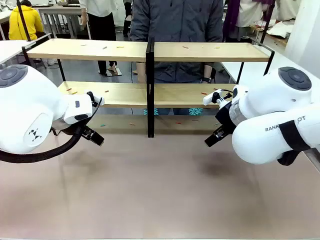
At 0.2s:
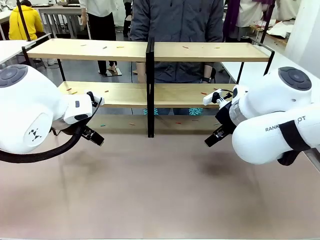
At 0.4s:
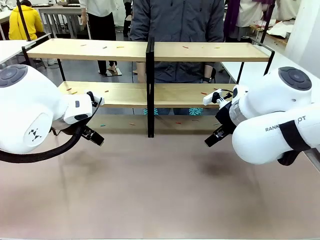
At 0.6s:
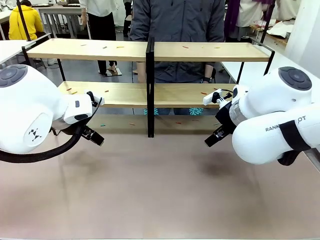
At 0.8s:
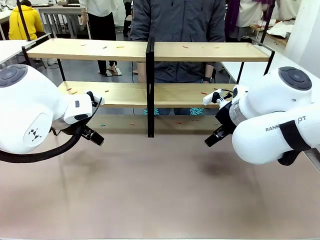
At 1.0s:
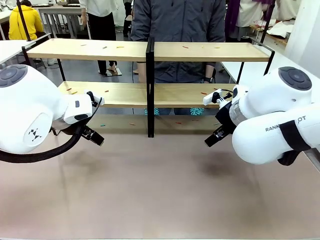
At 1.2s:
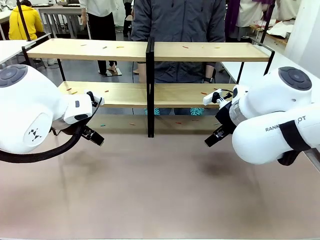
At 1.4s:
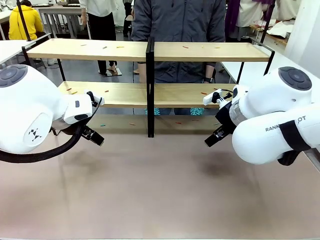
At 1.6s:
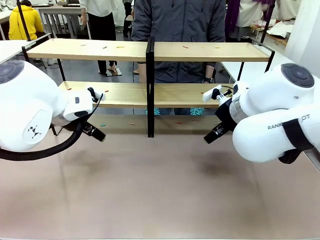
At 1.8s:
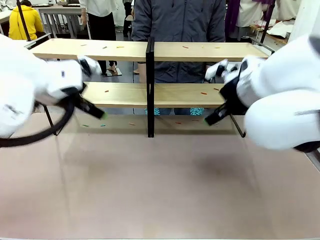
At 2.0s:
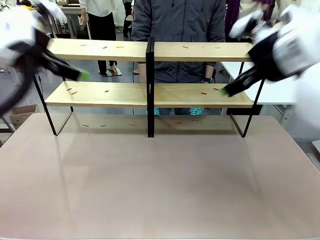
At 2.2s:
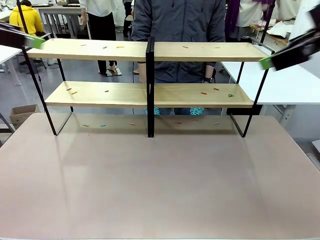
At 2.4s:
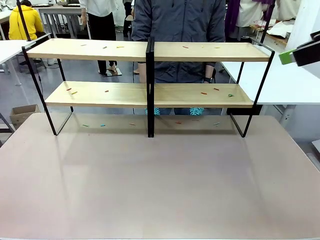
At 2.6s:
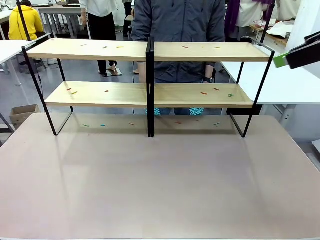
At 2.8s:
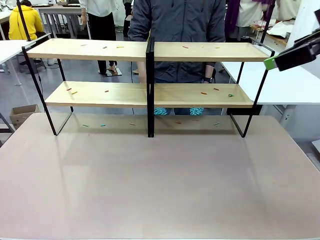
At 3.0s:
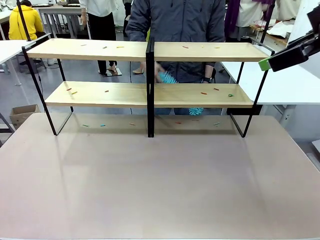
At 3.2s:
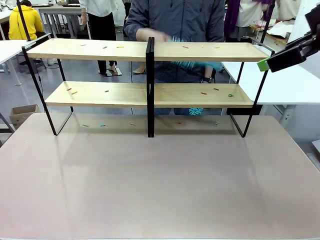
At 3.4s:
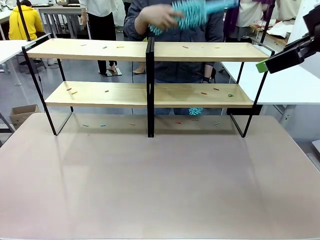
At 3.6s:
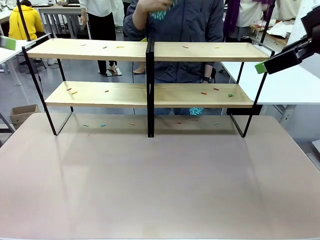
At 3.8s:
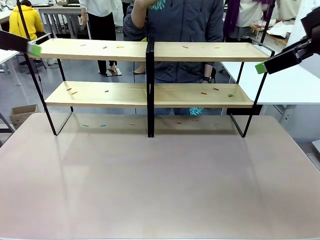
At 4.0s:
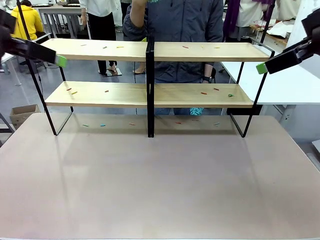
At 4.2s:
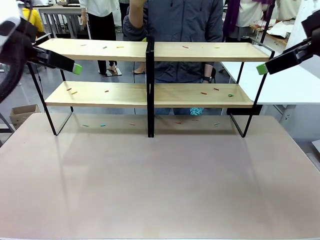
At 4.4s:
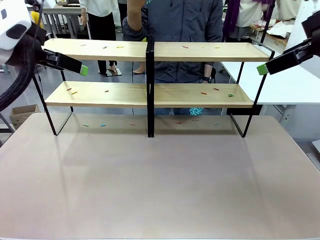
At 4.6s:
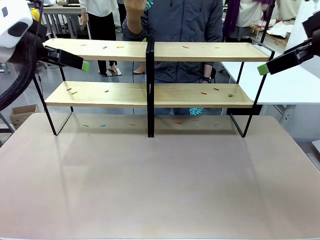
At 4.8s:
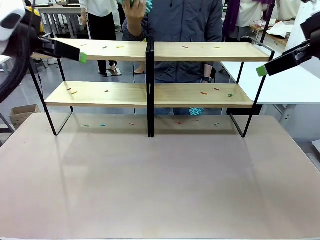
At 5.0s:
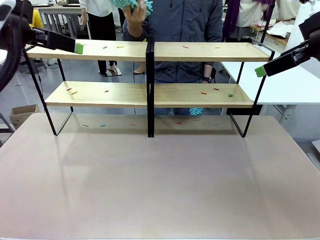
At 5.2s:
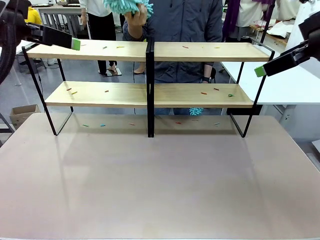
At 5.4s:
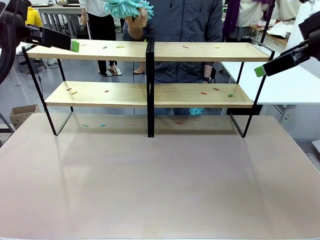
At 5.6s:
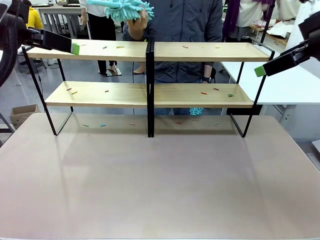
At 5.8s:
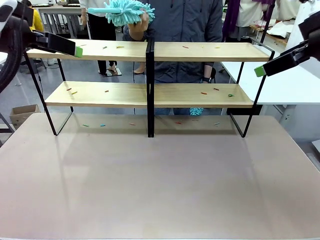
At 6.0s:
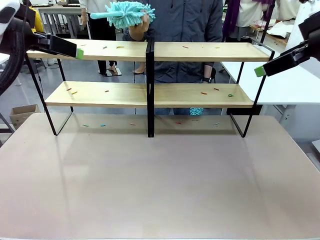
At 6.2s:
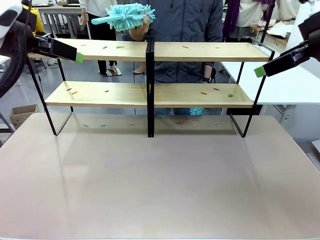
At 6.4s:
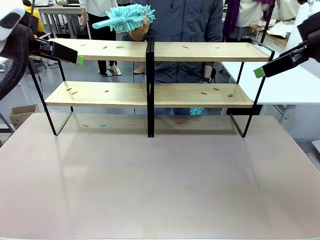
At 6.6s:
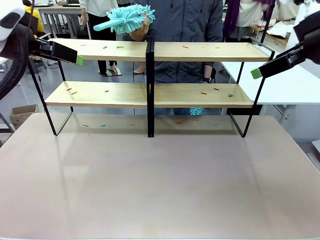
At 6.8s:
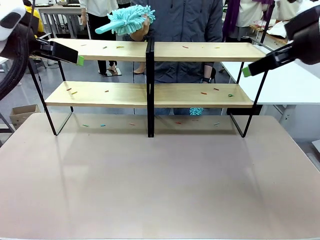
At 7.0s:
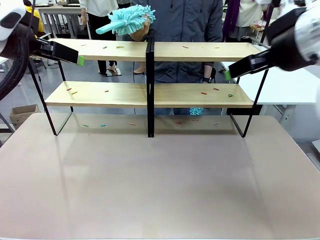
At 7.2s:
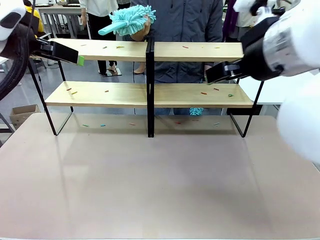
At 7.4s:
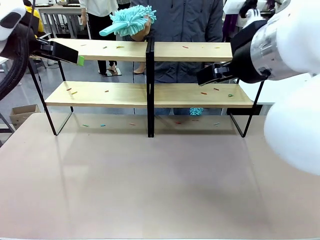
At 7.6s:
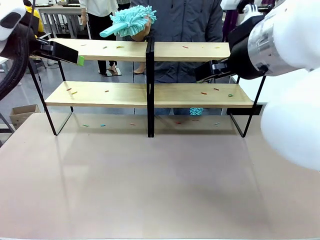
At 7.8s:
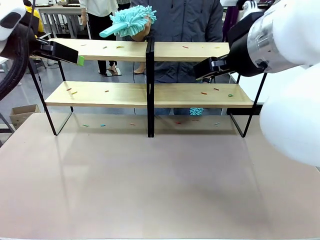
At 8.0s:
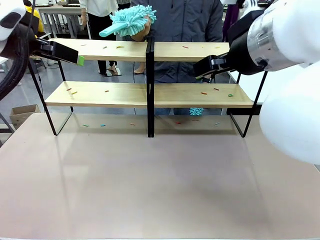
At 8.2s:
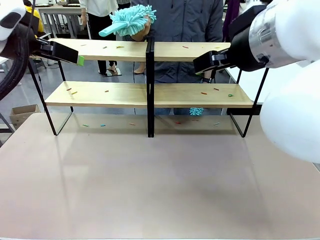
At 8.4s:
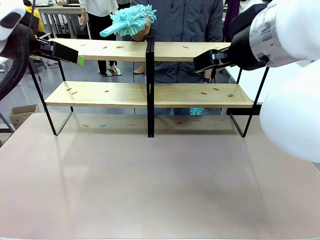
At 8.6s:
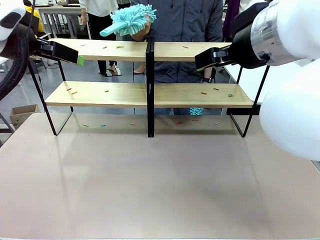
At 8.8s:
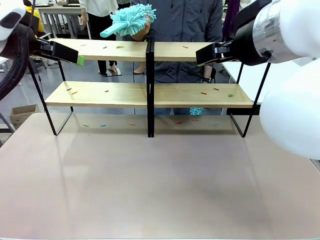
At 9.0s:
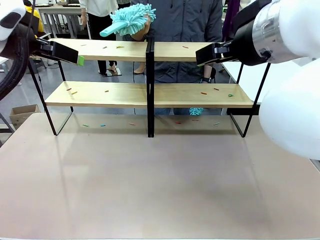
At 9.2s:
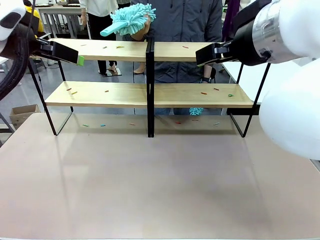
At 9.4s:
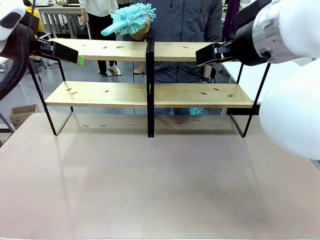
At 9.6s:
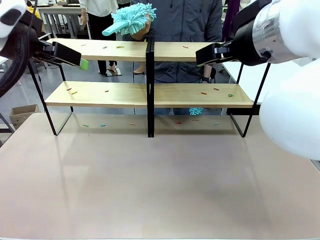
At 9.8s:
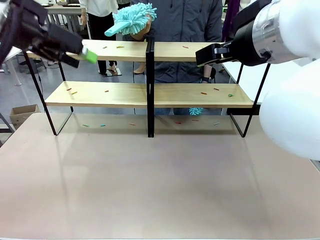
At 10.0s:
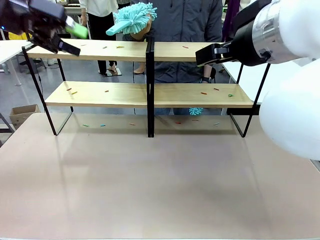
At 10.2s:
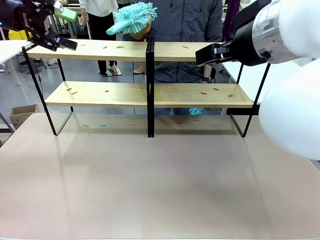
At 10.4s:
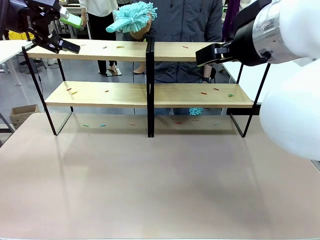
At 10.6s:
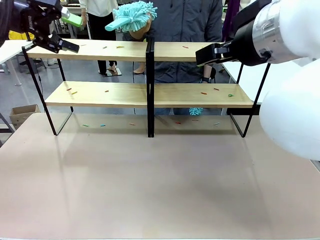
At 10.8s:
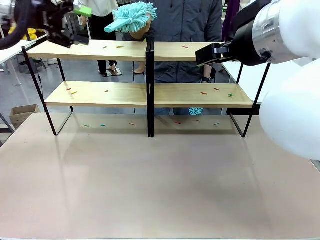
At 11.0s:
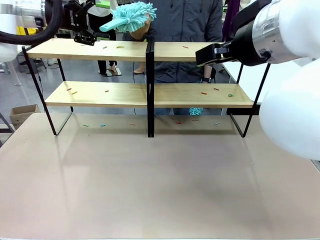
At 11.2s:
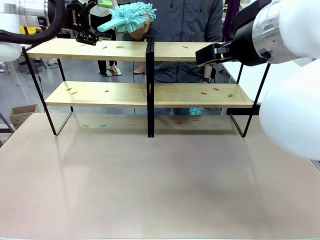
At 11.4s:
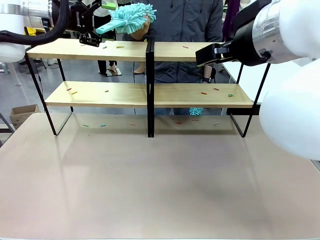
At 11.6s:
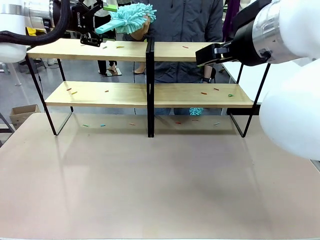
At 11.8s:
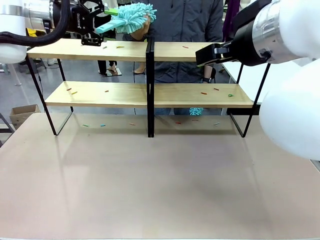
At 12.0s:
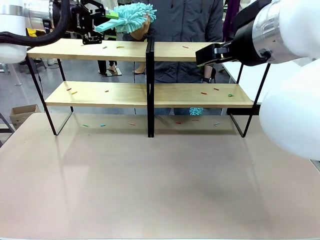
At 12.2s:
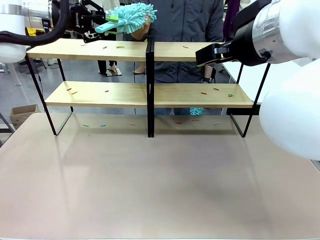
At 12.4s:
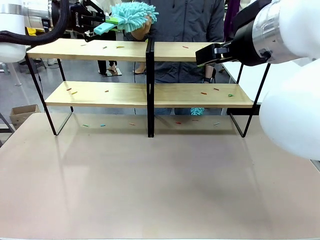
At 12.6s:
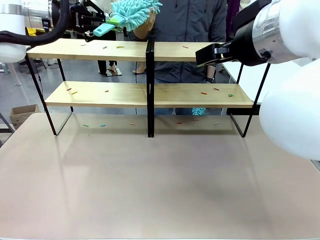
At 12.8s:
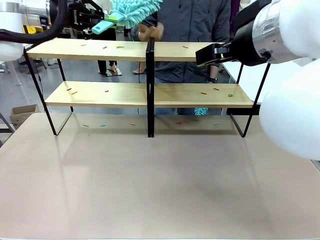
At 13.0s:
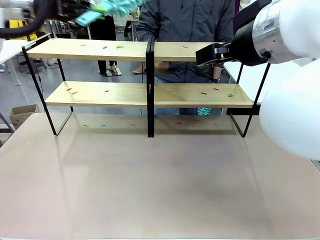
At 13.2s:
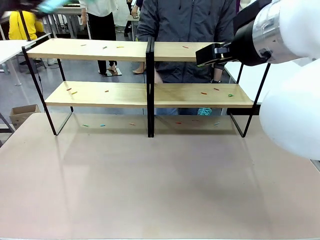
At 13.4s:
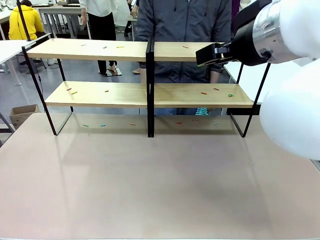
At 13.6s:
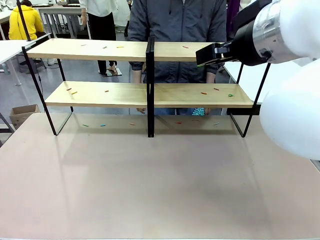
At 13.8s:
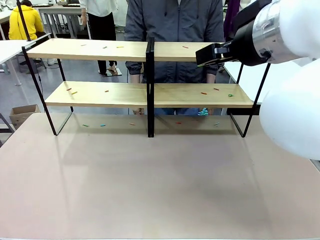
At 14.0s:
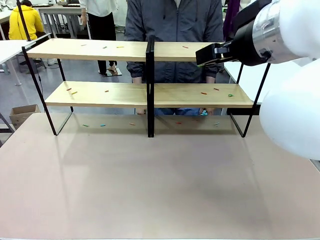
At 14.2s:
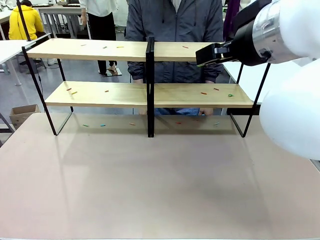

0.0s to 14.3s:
Task: Clean the shelves.
Robot: Pick up the Duster when the human hands it over.
Person: Hand the Duster to the robot with your right (or left) hand.
